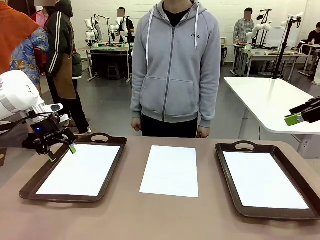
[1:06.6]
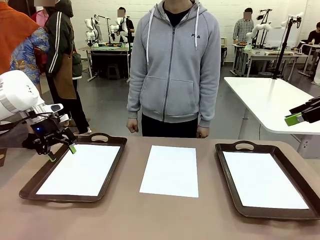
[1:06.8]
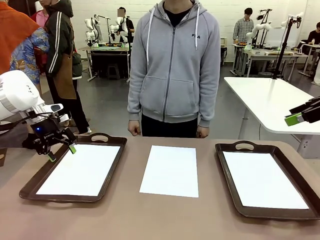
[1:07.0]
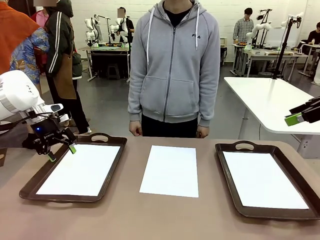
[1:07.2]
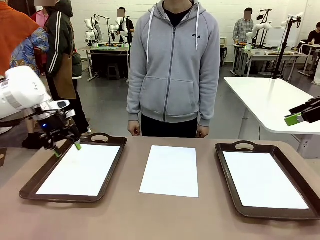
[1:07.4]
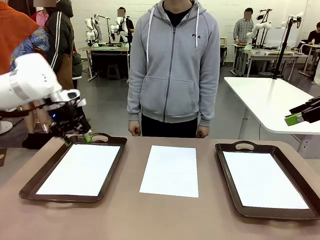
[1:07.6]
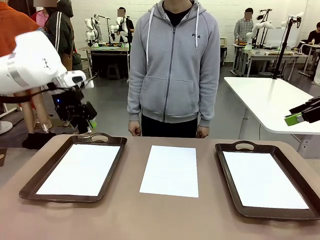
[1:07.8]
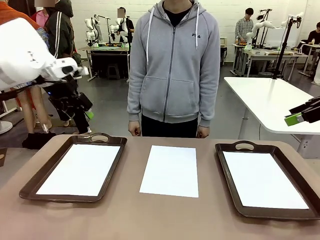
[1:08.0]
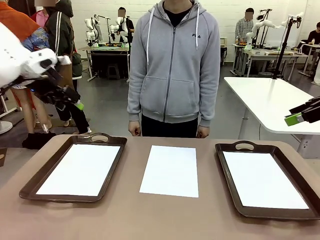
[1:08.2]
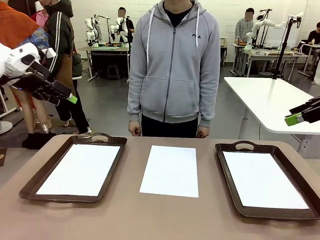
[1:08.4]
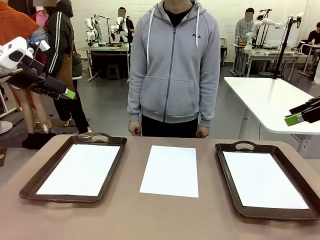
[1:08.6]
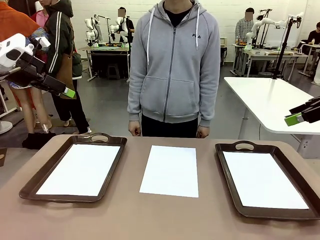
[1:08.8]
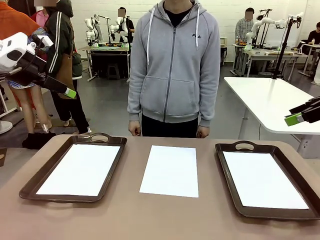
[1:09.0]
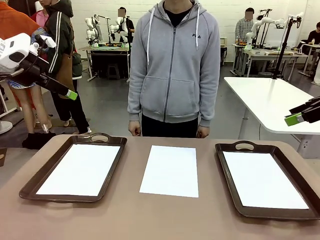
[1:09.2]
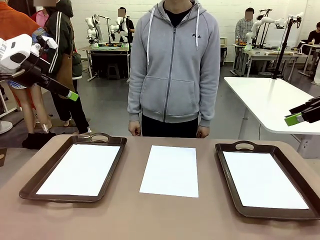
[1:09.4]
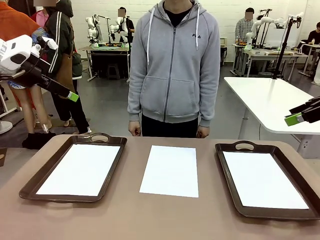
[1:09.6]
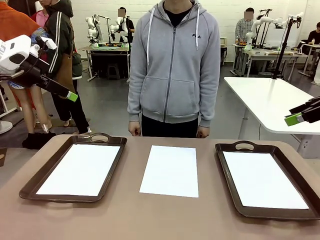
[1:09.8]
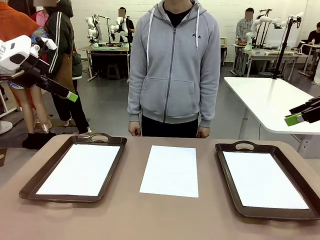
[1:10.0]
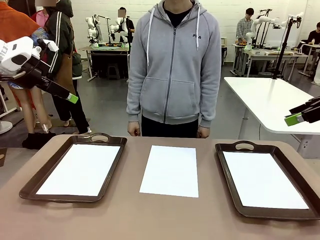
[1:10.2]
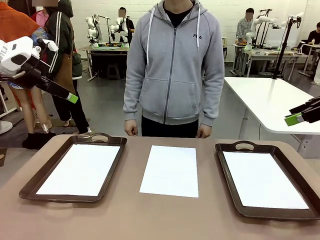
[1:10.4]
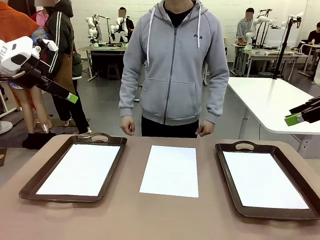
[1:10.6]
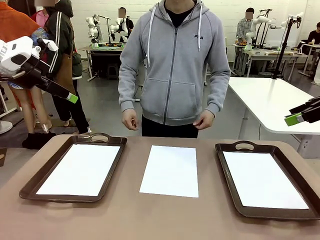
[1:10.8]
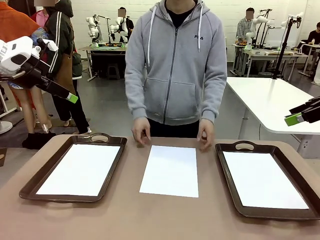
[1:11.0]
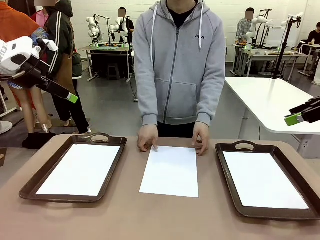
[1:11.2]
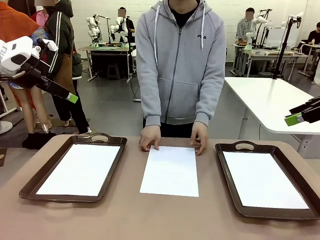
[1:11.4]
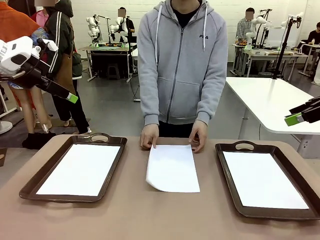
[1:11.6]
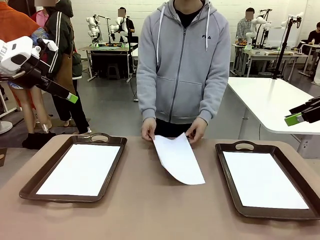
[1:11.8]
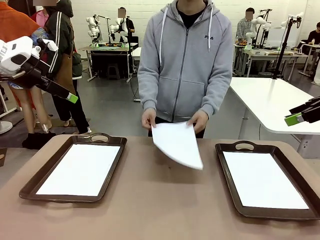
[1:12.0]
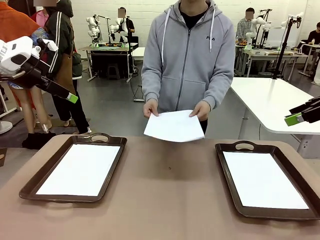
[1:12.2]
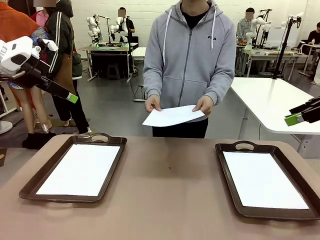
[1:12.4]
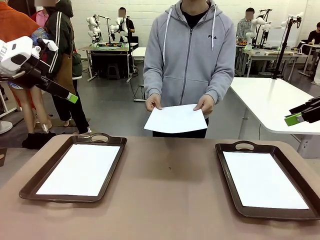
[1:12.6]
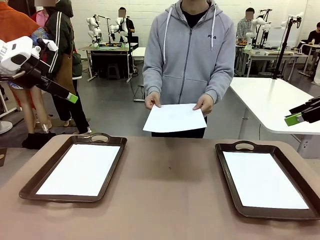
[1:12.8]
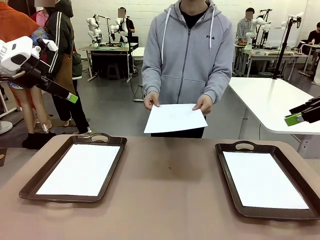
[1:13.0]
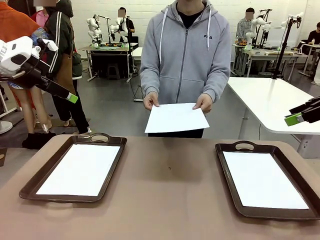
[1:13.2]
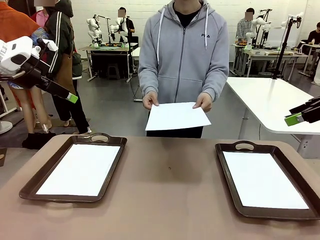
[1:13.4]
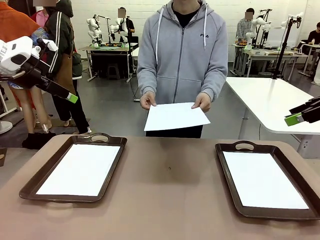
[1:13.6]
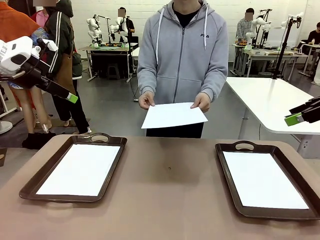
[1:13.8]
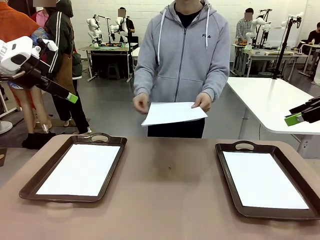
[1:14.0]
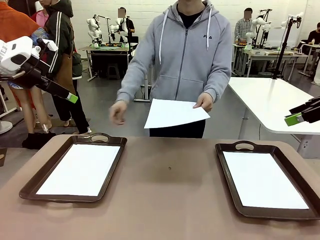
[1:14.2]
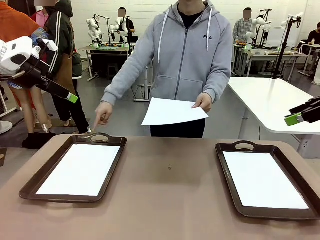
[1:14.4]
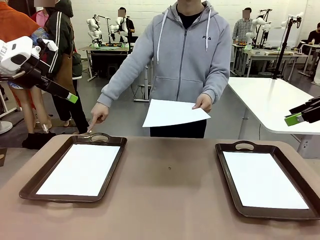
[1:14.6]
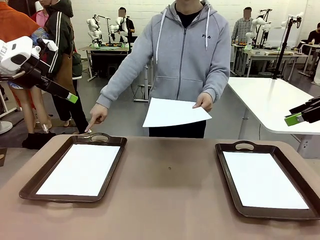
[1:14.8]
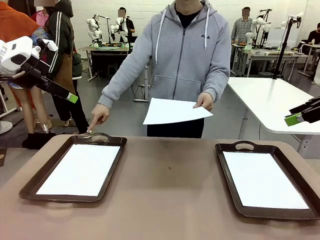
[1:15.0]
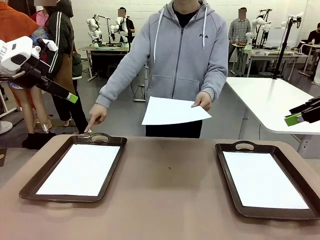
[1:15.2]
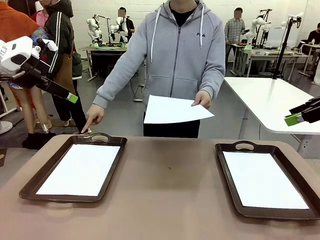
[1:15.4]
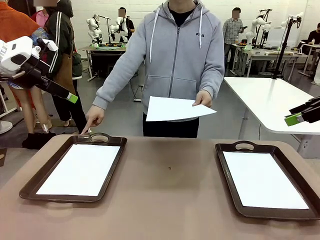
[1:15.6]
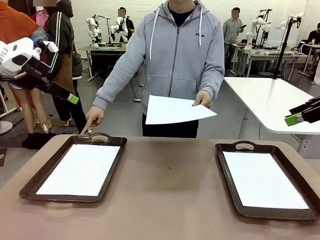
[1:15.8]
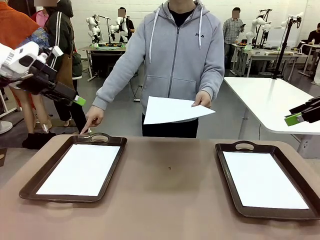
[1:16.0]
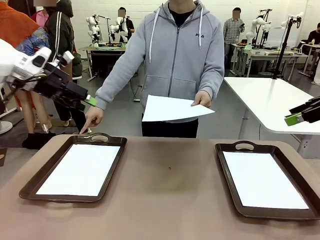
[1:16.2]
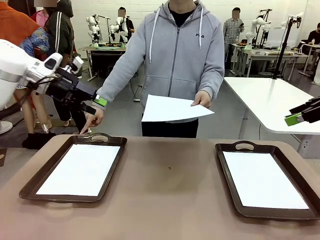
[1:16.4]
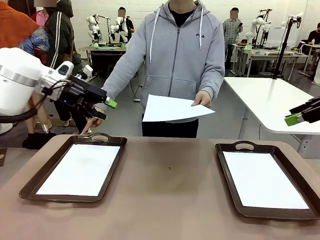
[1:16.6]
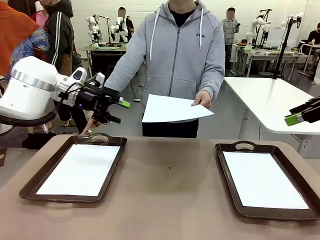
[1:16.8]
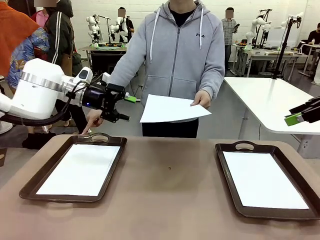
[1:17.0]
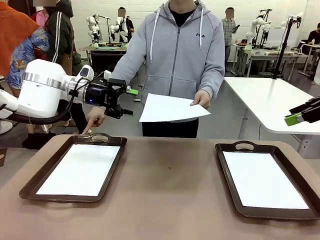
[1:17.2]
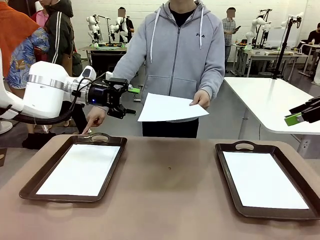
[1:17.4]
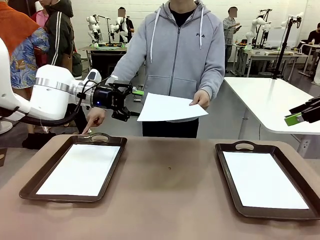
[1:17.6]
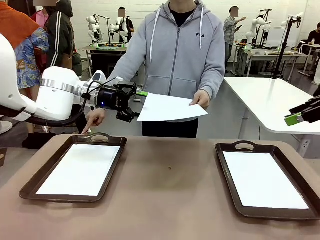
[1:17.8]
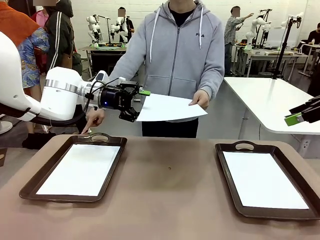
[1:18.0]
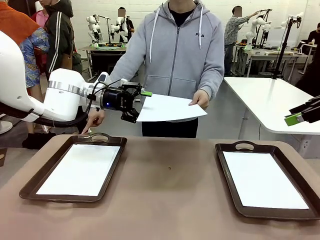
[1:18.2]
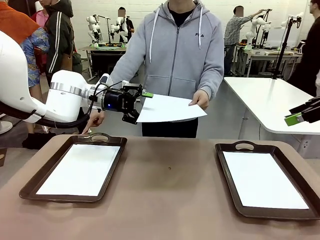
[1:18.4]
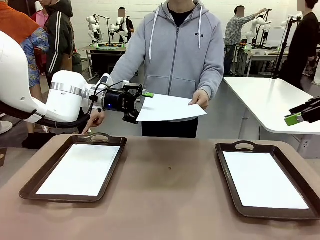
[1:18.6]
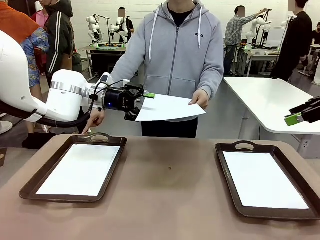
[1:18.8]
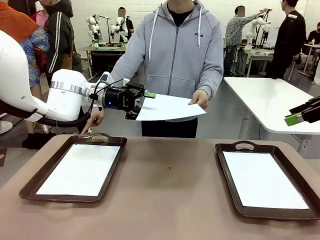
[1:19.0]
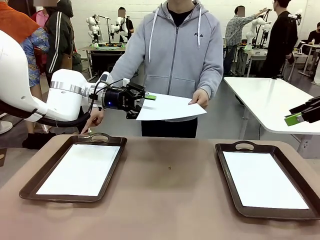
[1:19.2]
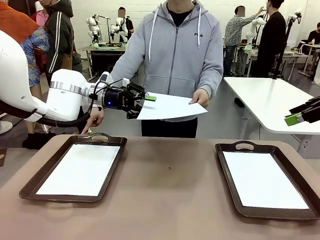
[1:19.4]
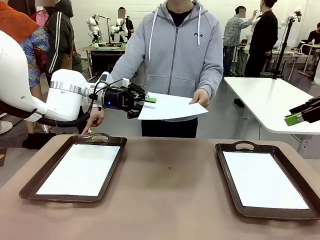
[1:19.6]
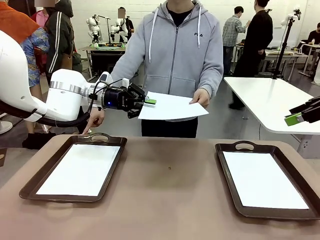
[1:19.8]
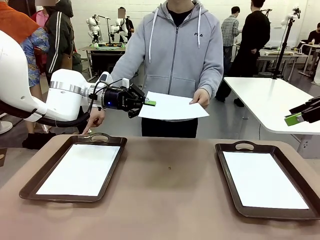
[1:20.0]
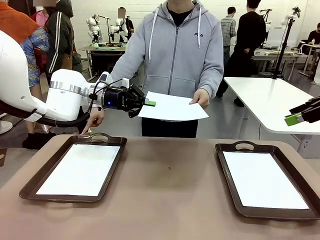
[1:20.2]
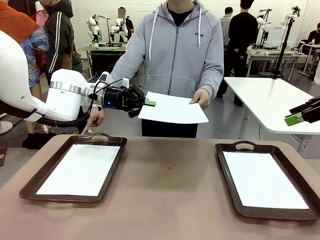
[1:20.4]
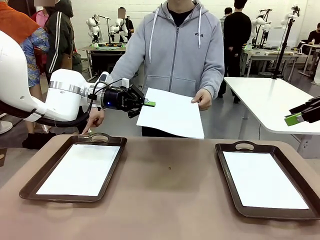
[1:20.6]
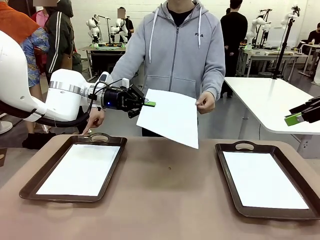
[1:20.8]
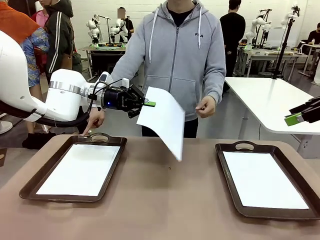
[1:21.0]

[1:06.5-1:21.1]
Task: Sort the A4 documents.
Robot: Receive the A4 Paper.

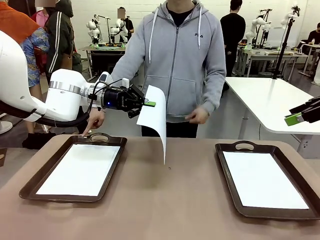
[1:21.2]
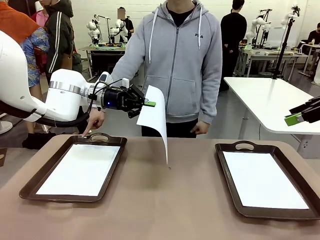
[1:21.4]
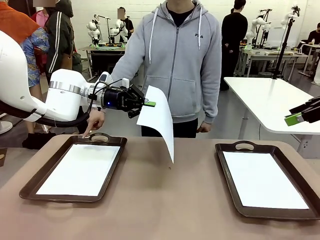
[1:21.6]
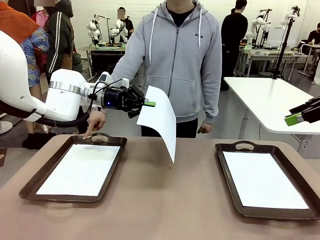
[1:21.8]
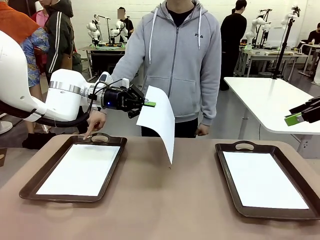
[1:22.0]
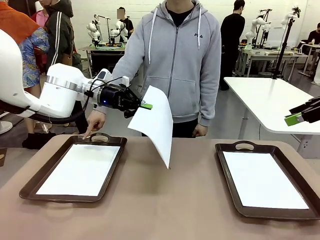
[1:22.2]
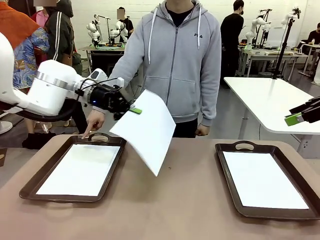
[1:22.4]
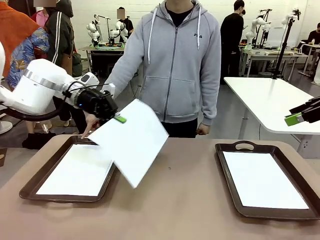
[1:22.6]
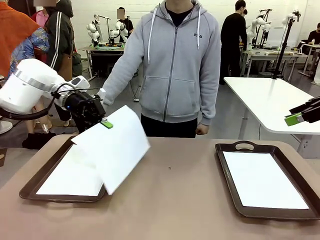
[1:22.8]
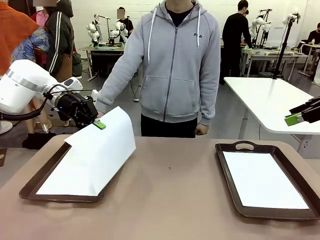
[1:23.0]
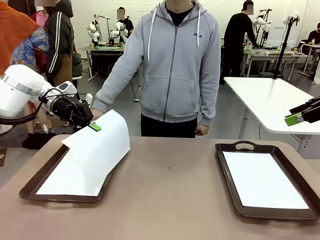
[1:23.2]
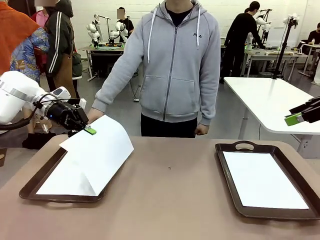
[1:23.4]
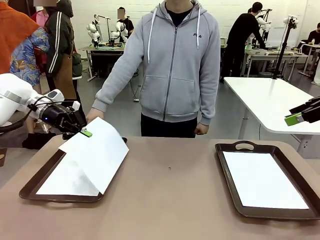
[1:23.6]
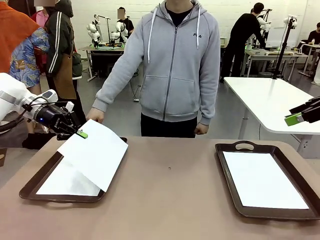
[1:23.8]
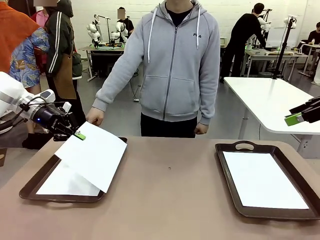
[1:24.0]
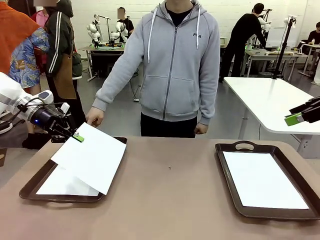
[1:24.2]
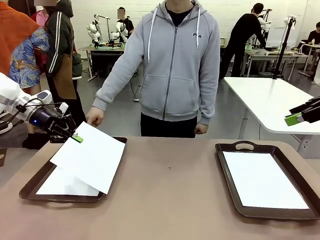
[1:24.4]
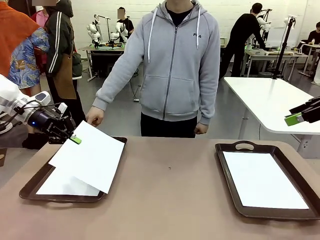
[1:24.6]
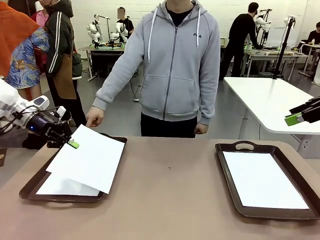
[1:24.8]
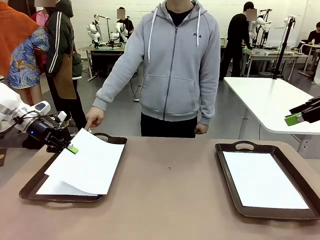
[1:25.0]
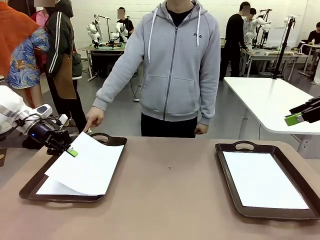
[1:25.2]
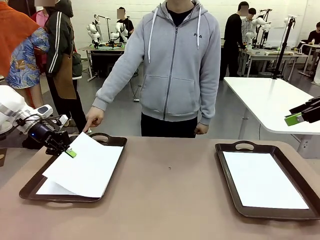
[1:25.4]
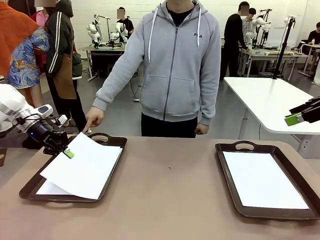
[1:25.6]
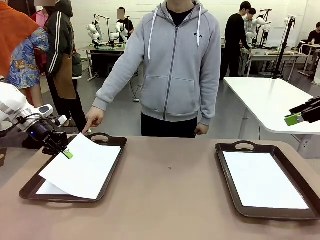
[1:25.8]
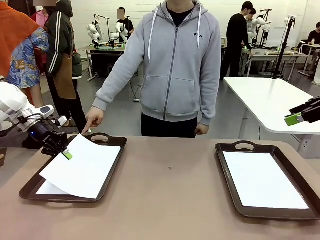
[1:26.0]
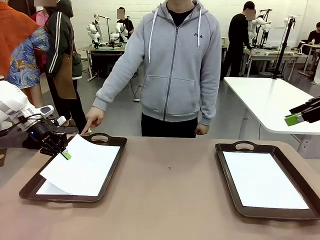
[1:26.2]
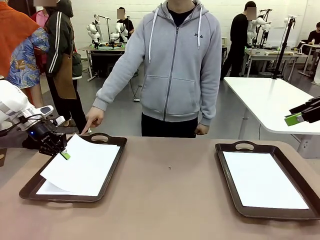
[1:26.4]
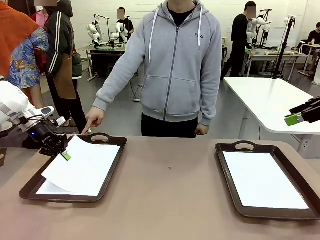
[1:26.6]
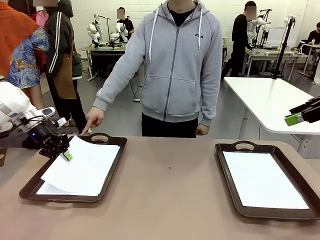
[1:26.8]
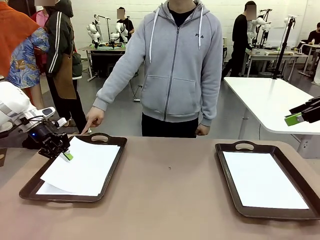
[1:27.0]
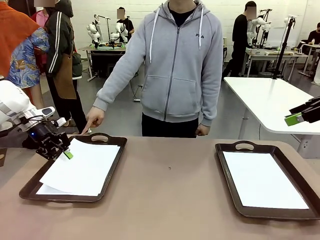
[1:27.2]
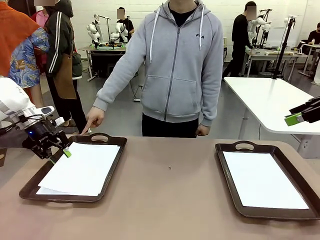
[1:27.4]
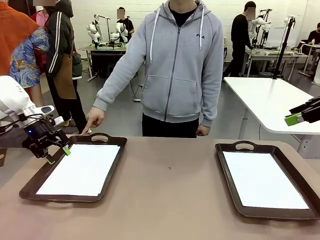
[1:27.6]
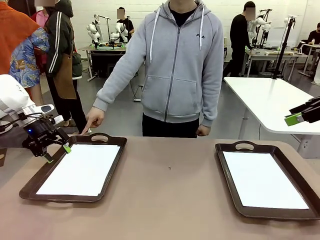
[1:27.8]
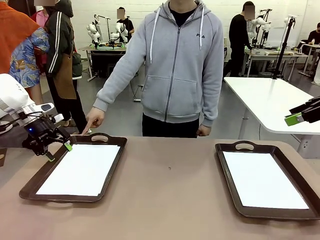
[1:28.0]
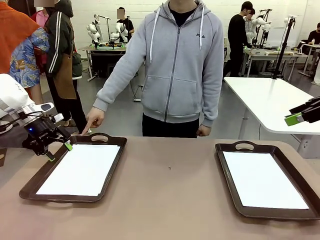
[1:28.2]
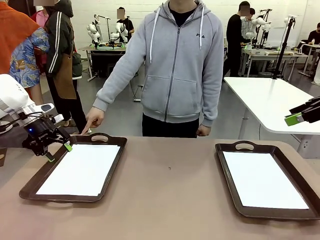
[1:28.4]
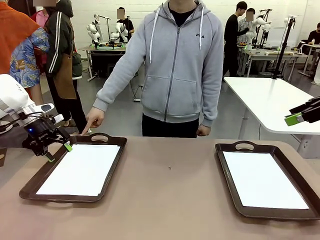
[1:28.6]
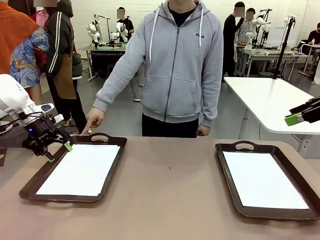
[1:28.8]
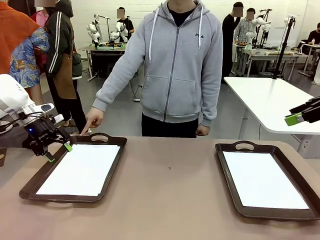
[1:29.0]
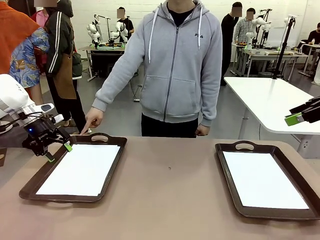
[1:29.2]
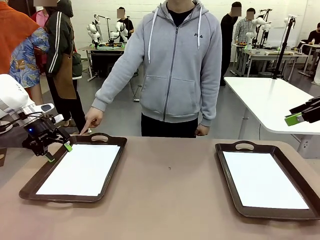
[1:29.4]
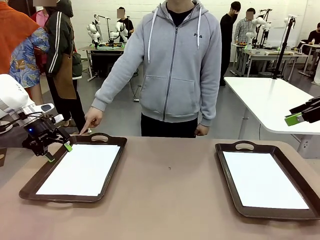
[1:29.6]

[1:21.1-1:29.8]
Robot: Place the A4 Paper in the designated Handle tray.
